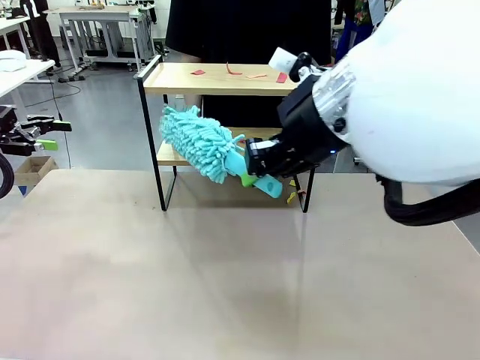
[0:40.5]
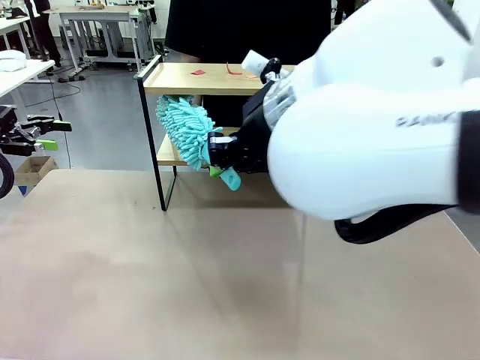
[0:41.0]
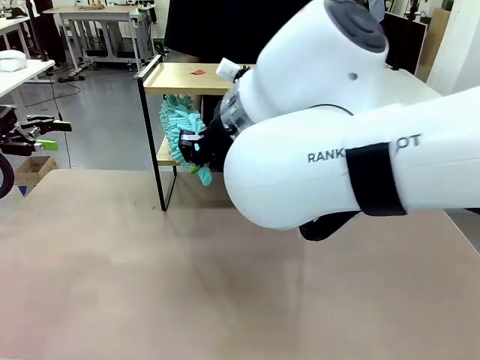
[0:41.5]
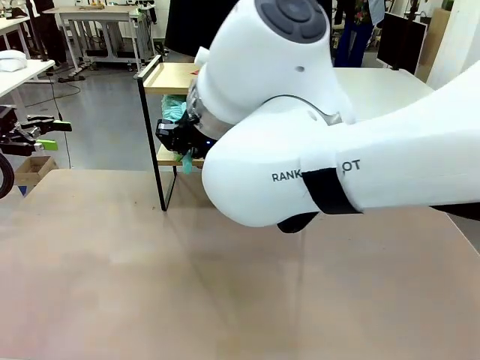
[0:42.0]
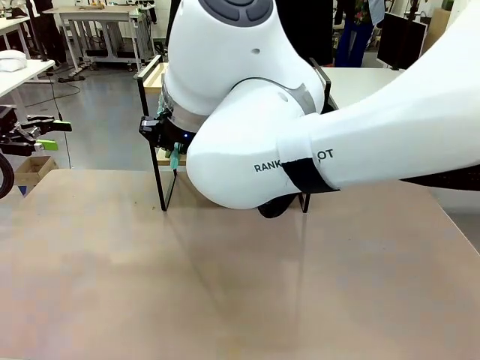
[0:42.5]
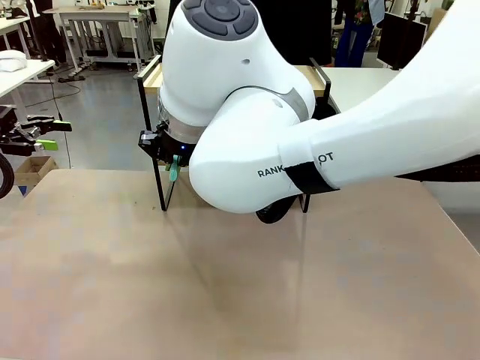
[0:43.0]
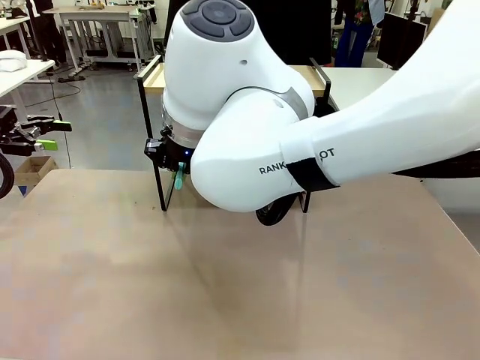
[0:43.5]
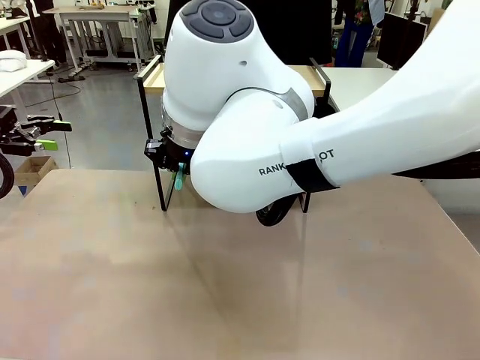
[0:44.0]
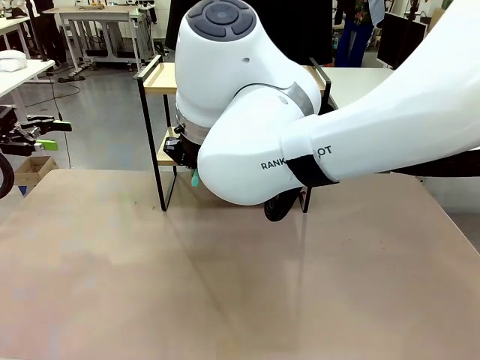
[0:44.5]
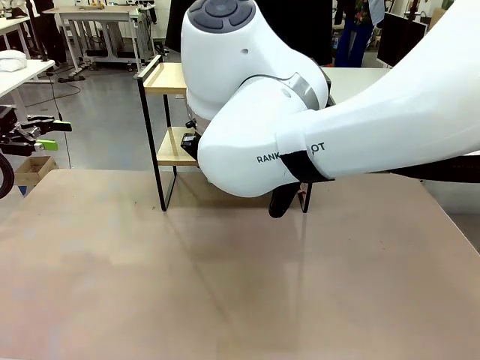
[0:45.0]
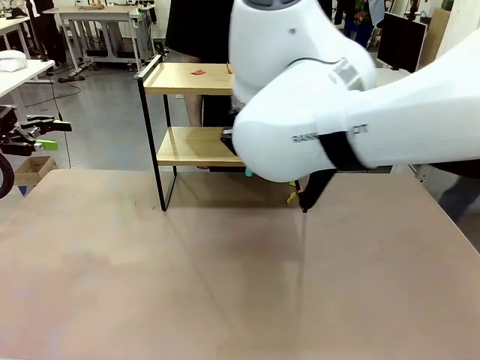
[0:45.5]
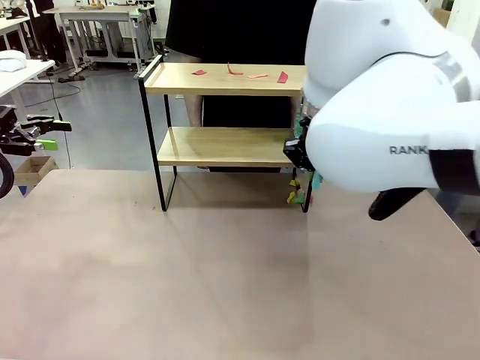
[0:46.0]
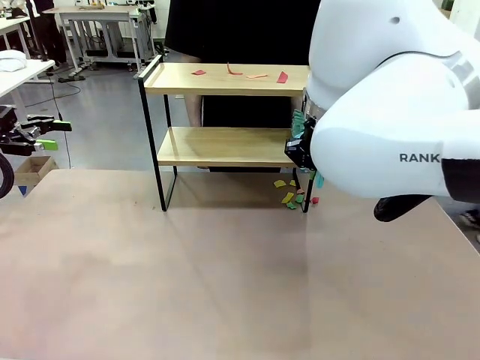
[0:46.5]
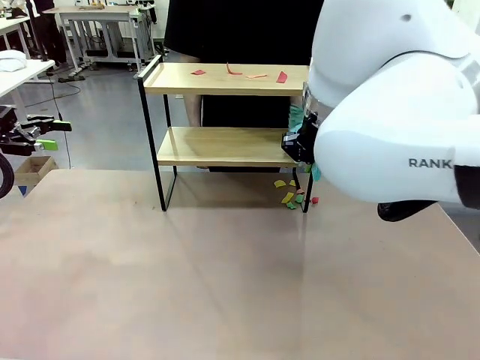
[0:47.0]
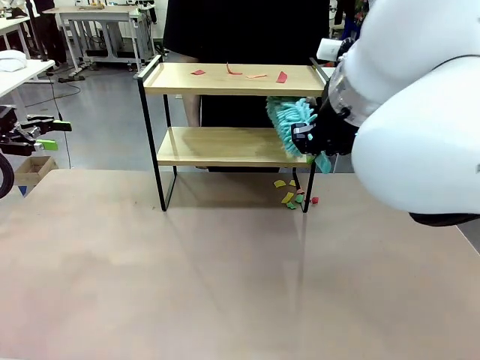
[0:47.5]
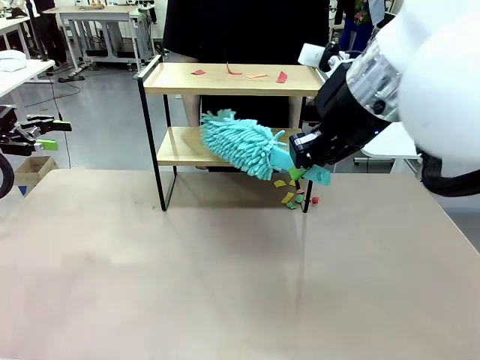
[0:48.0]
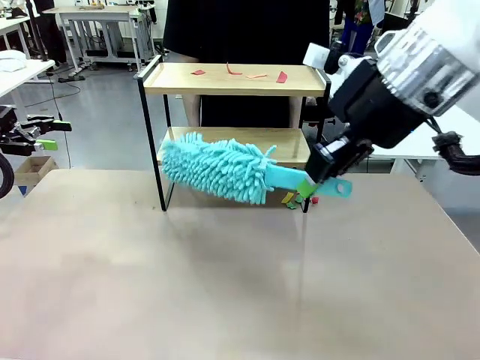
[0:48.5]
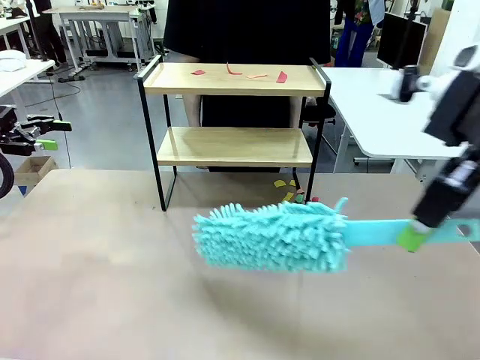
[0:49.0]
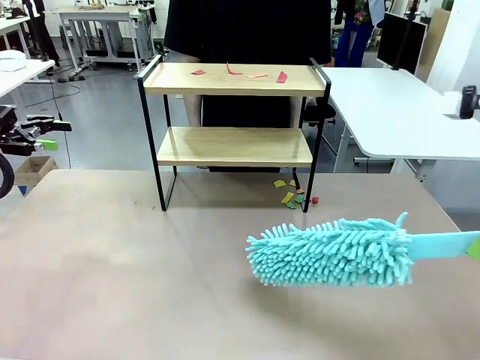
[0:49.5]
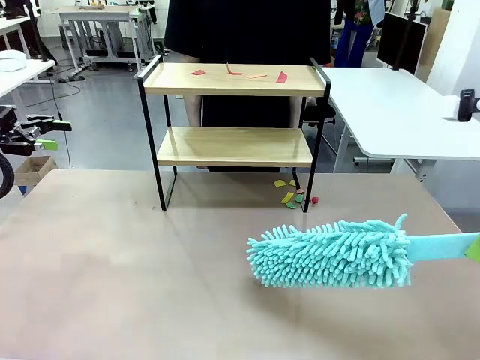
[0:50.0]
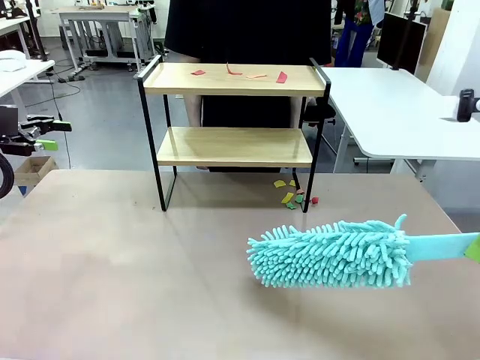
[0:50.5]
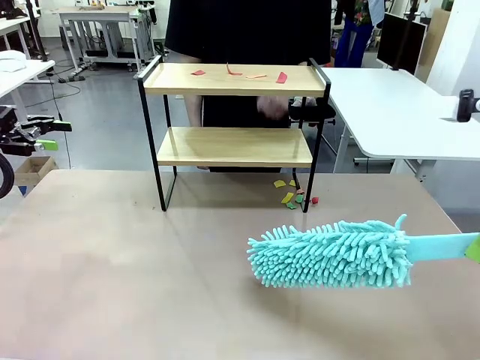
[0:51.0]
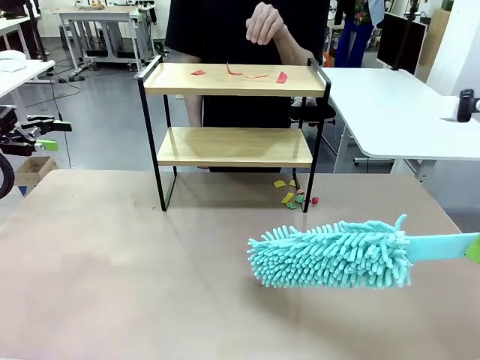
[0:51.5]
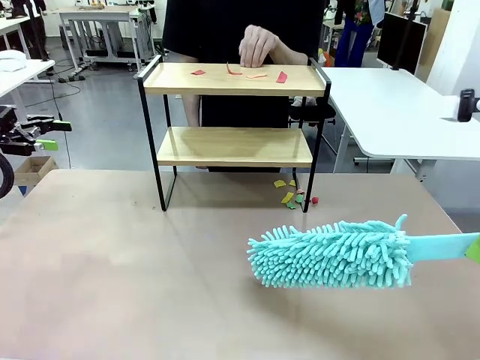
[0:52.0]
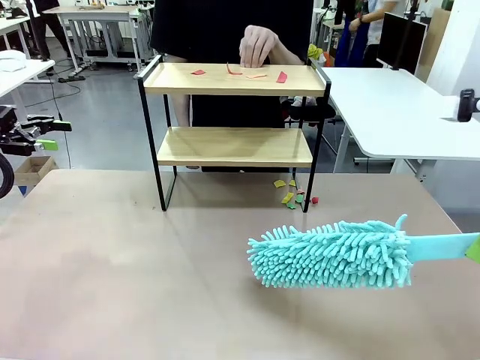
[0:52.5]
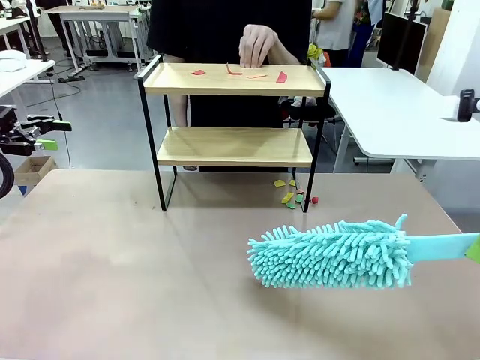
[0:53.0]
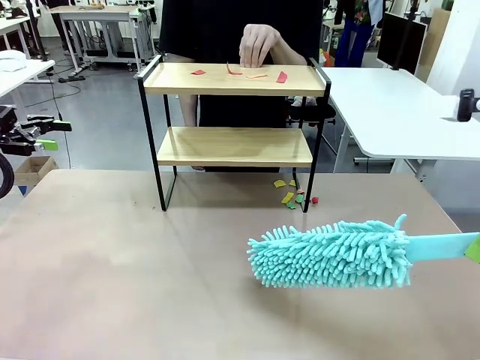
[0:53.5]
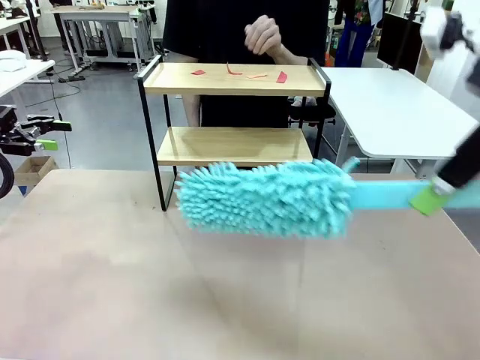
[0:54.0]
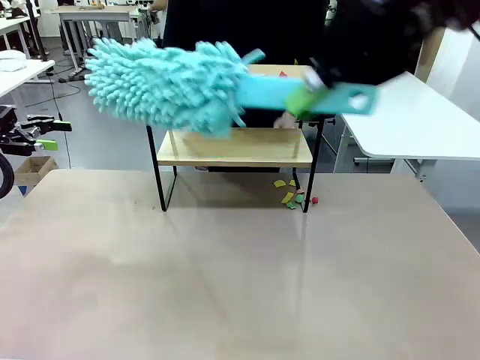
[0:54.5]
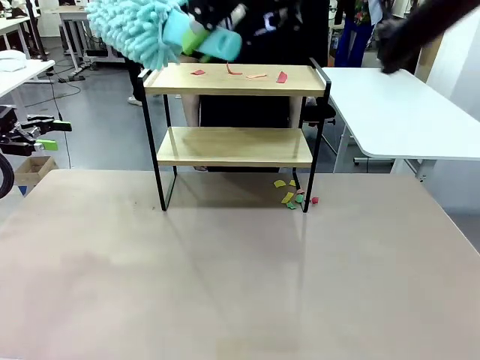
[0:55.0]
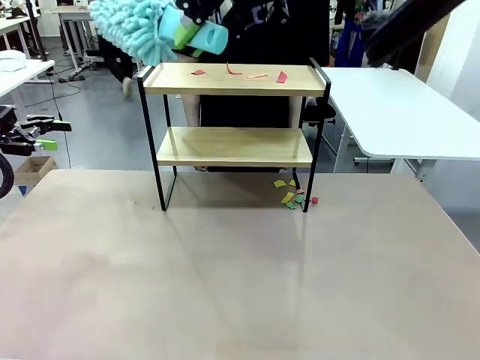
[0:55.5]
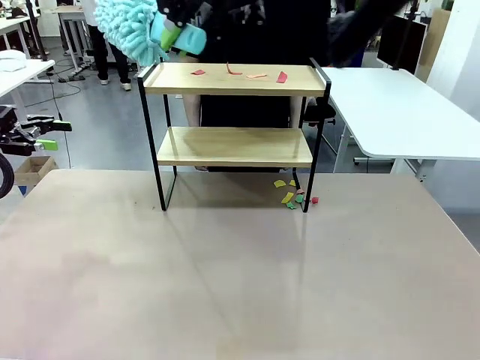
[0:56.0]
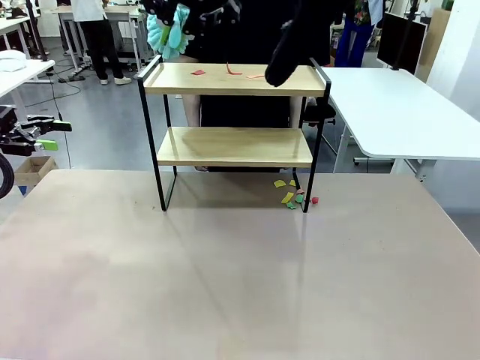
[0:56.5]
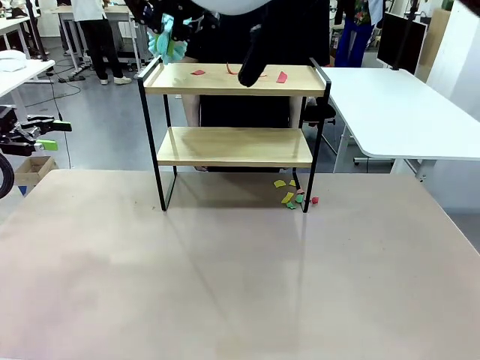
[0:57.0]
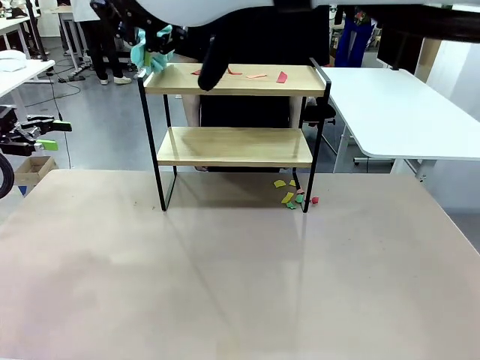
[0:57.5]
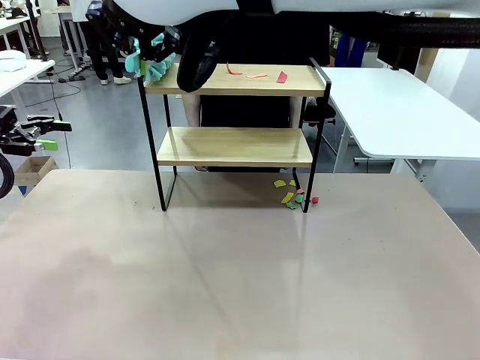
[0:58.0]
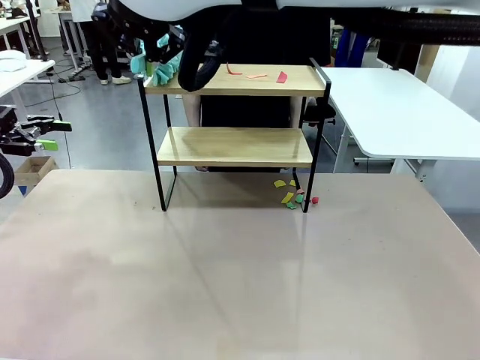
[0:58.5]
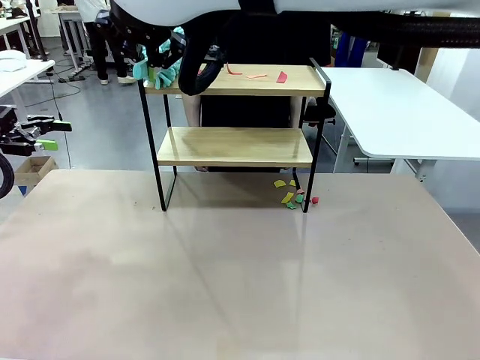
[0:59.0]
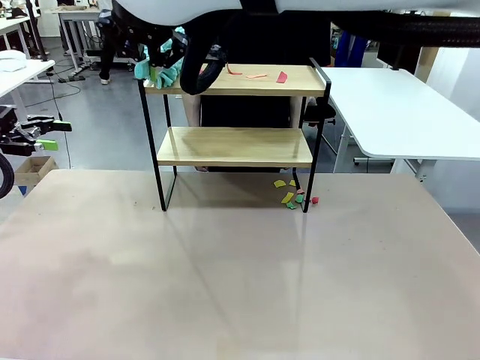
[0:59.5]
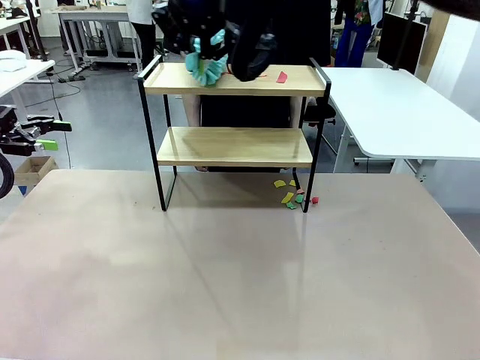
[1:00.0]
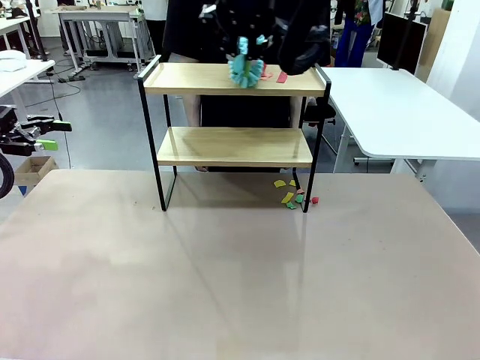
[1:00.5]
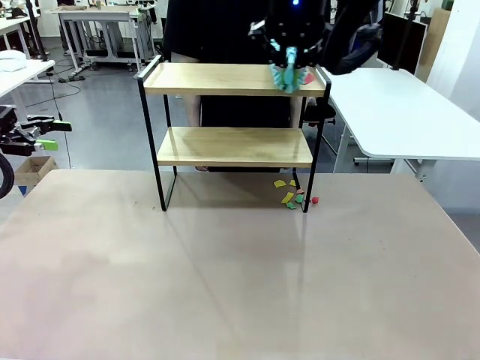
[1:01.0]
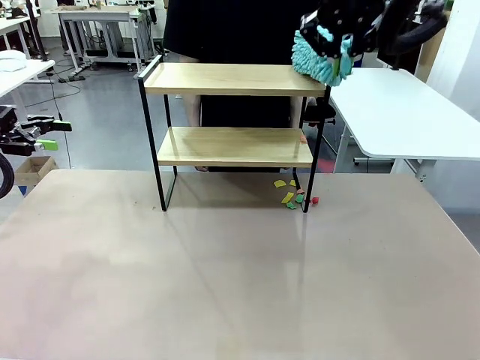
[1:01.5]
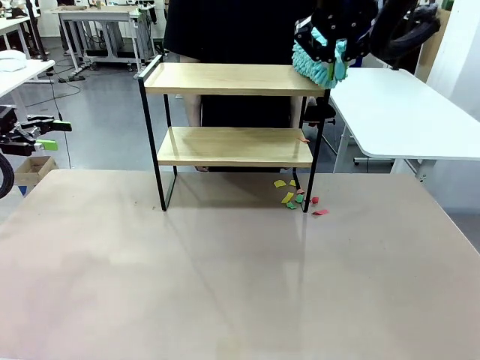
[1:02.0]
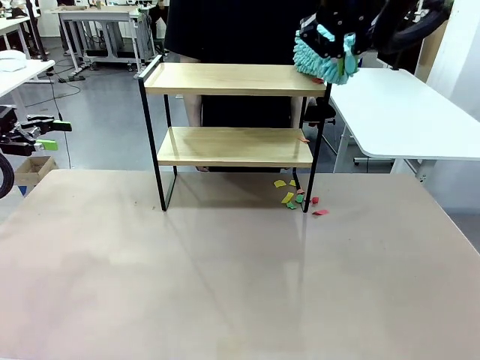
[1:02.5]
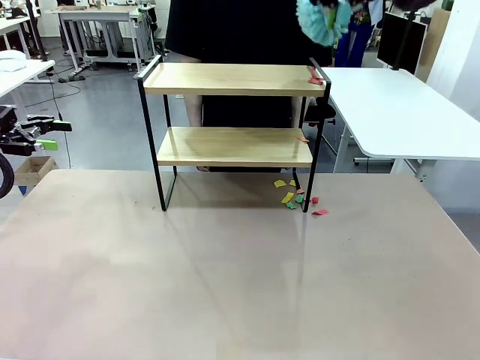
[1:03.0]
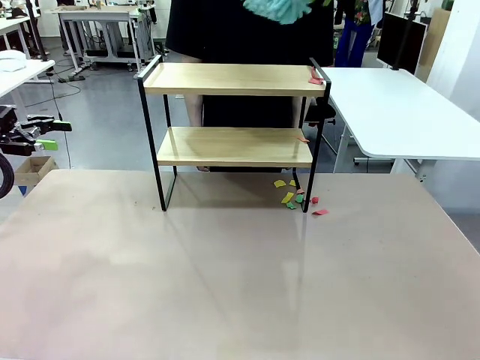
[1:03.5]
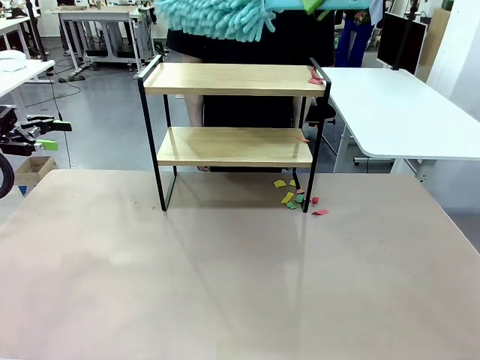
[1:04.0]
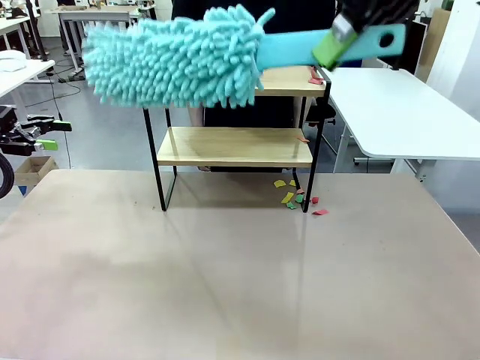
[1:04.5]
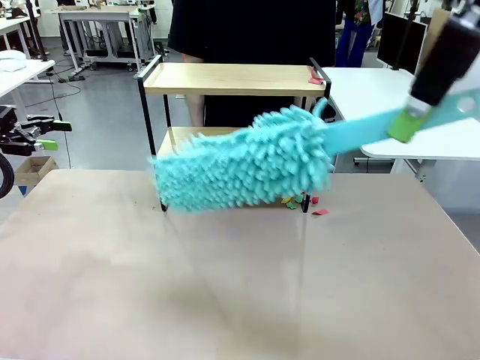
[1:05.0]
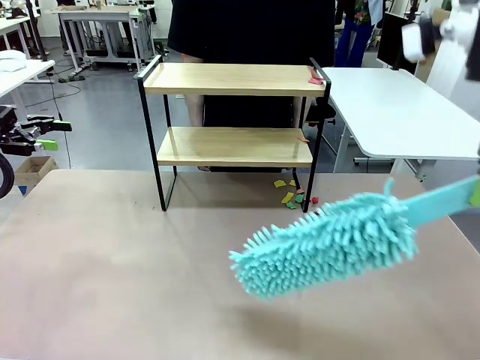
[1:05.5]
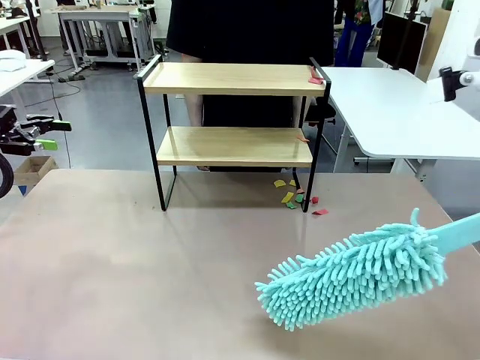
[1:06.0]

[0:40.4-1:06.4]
Task: Clean the shelf.
Robot: Clean the specific section of the Shelf indicated by the human with the Duster.
Person: Point a remaining section of the Shelf.
